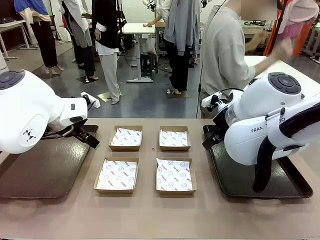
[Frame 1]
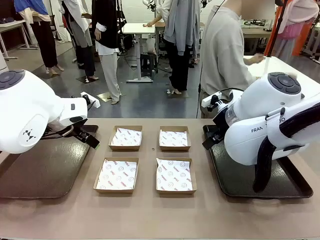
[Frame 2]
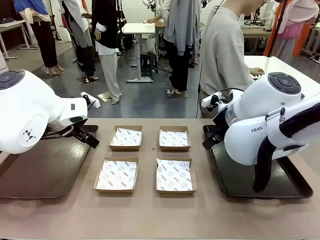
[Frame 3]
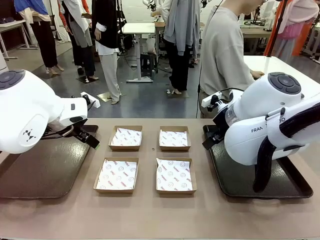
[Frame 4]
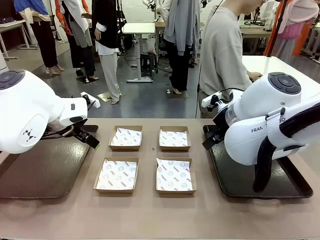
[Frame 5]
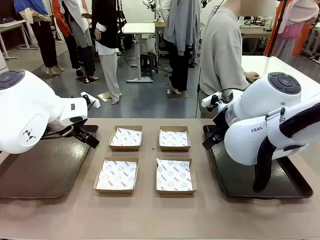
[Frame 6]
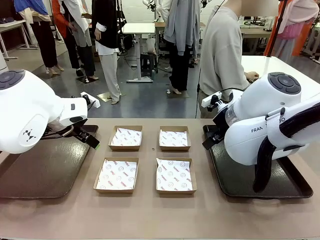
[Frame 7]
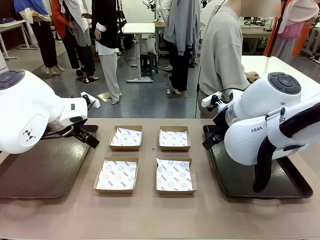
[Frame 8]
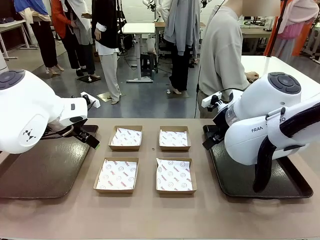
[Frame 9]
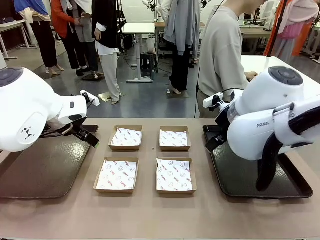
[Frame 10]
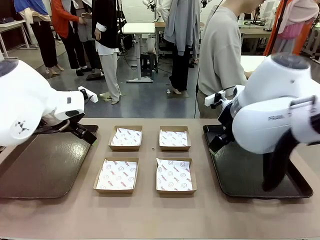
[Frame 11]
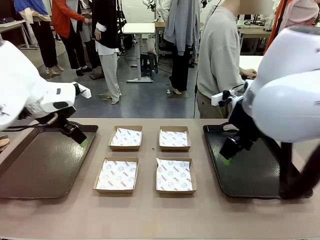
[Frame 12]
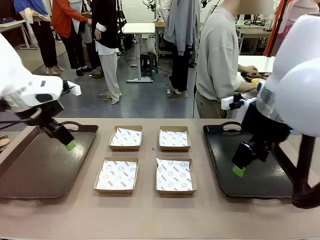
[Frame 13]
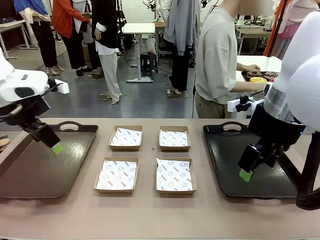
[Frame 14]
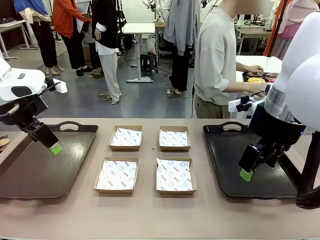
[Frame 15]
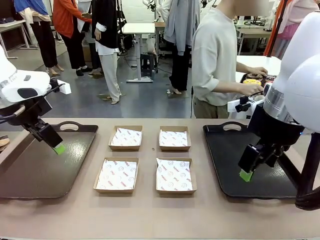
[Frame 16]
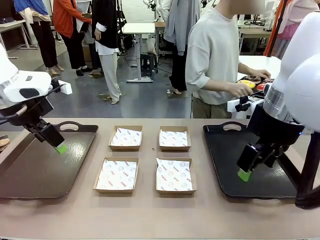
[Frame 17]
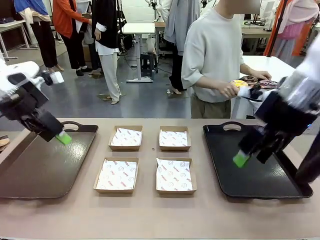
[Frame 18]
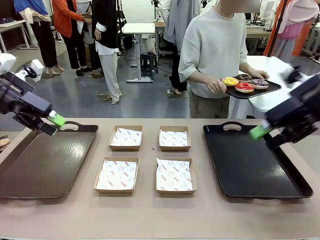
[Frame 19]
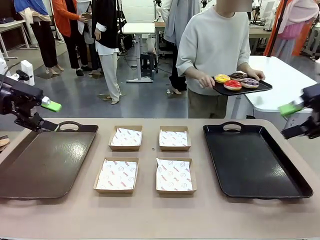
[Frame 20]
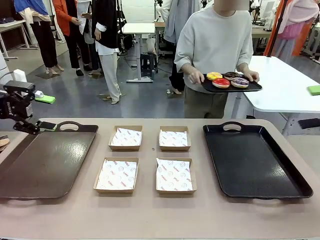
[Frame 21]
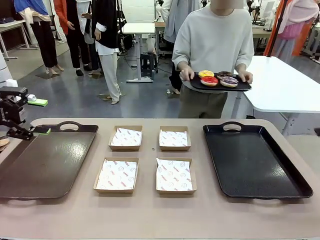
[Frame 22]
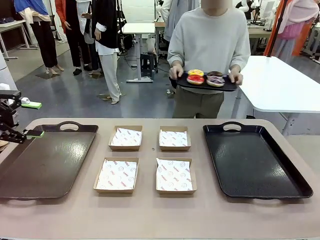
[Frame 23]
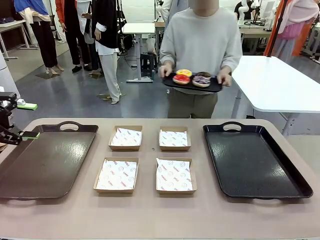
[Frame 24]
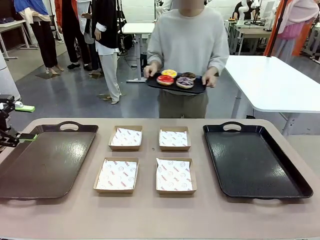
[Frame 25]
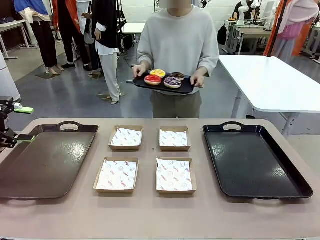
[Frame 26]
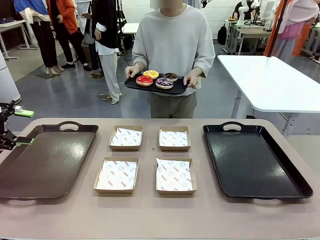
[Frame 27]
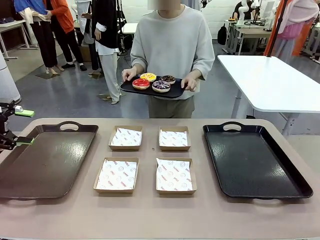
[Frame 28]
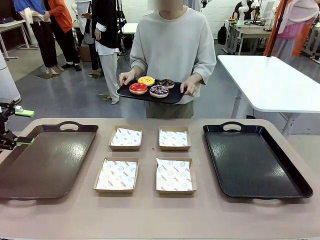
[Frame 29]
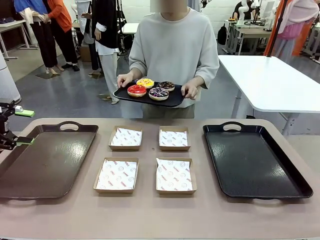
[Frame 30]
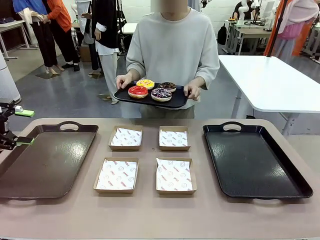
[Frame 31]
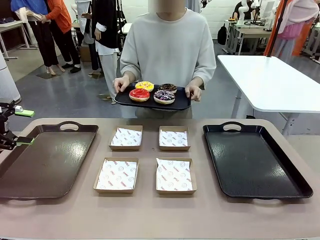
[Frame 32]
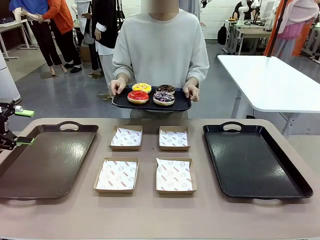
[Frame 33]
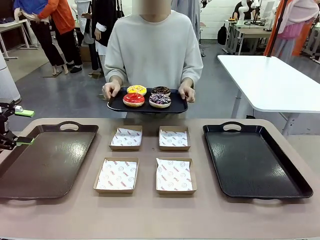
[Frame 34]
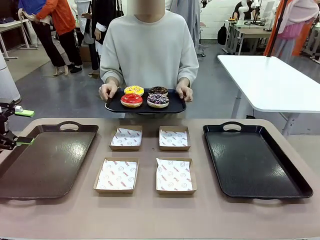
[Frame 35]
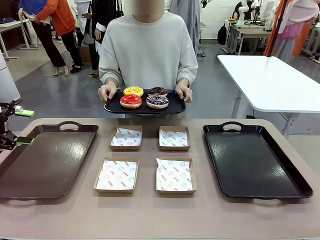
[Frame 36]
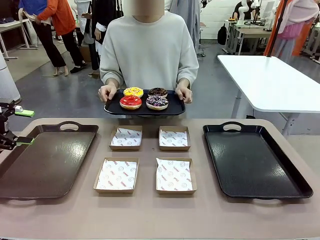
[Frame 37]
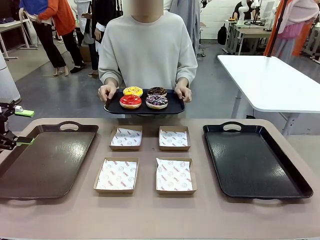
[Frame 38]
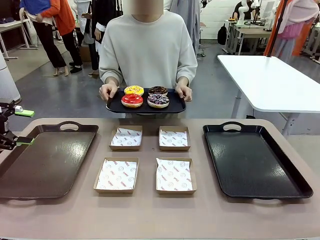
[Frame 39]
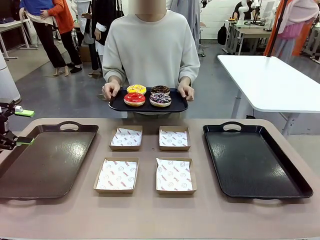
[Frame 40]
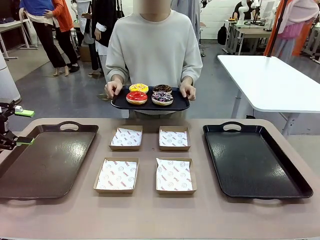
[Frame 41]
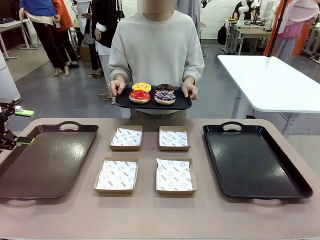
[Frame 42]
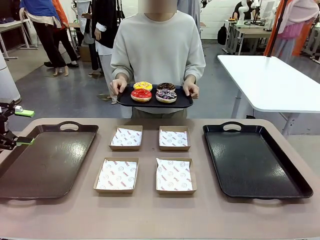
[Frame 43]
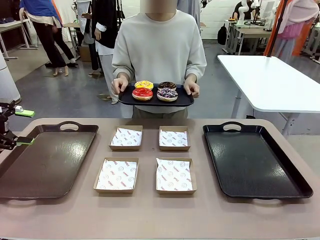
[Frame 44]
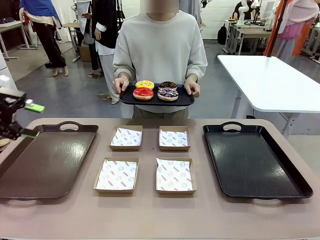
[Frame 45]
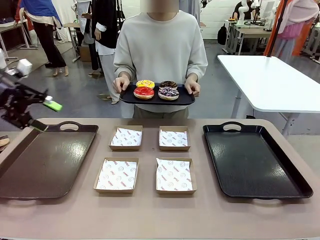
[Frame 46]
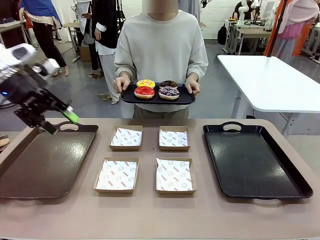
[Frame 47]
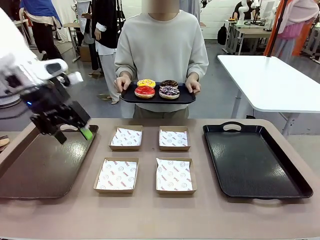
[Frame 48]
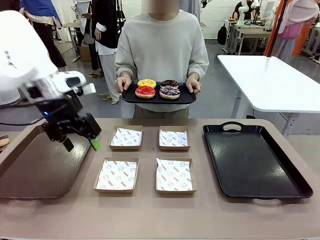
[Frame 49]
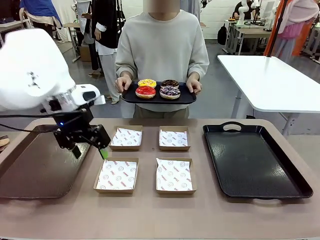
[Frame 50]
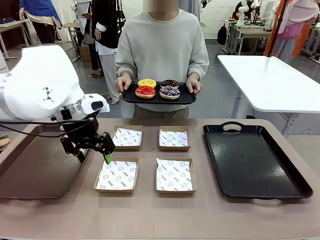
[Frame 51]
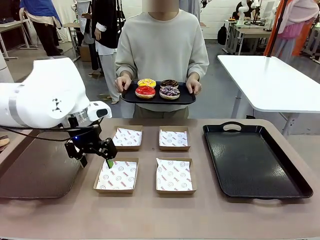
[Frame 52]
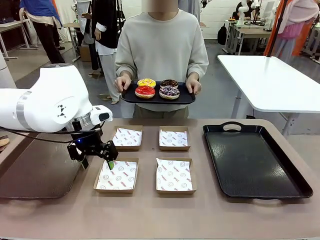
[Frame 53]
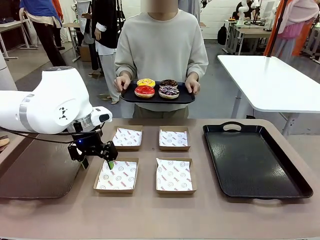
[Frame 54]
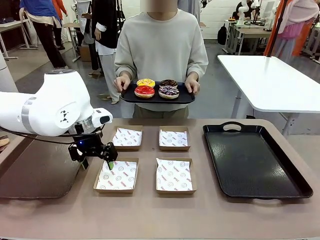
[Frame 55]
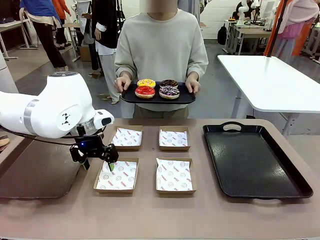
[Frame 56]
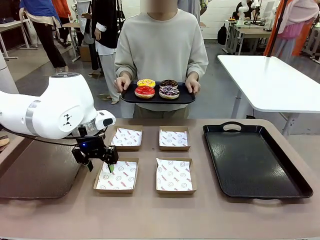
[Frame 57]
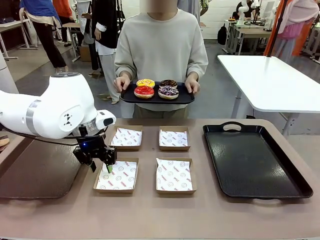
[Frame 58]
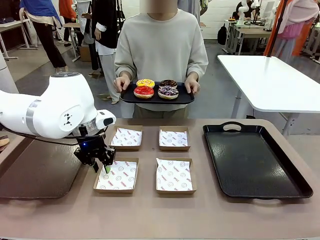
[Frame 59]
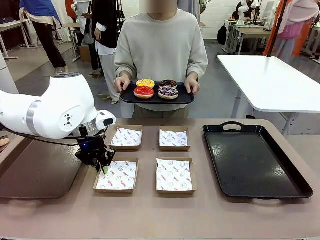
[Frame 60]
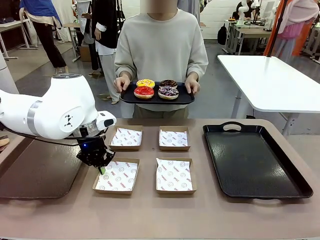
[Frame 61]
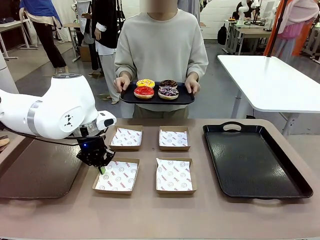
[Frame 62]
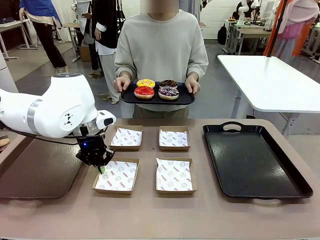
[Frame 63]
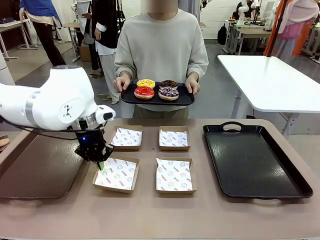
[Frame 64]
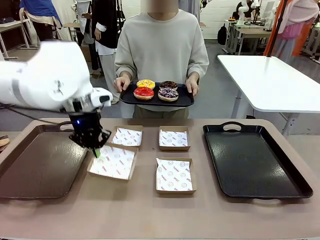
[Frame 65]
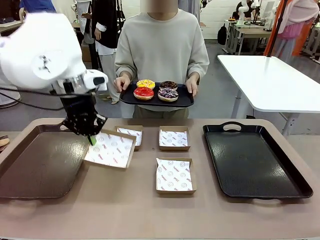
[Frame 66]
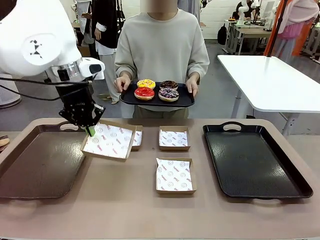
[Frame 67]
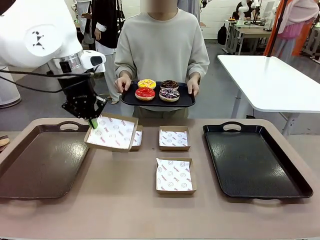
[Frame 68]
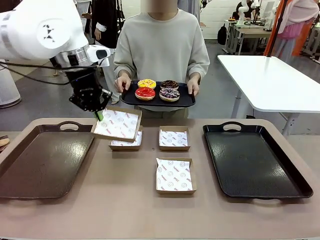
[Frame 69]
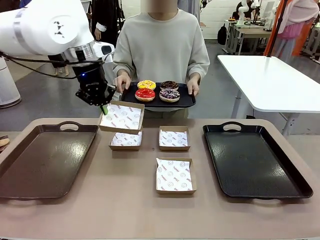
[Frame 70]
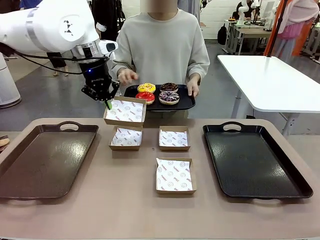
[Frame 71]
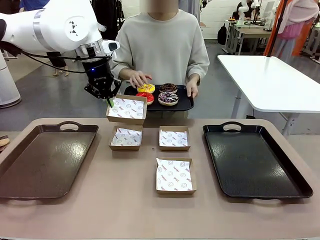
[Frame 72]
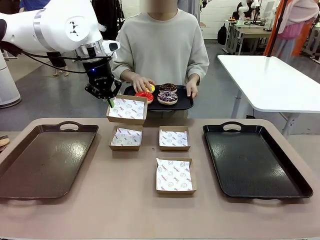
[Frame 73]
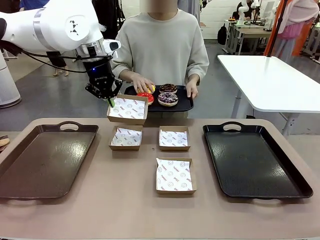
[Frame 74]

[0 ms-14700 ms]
Task: Individually package the donuts and arrange them on the tray.
Robot: Pick up one Paper togo box.
Person: Stand in front of the robot table holding the tray containing the donuts.
